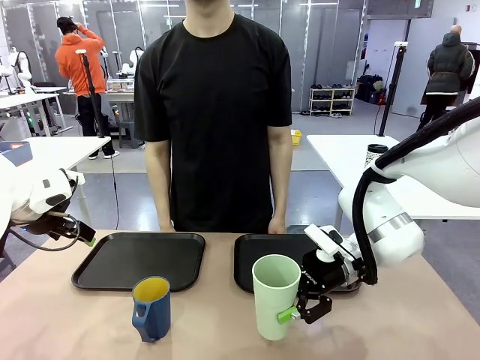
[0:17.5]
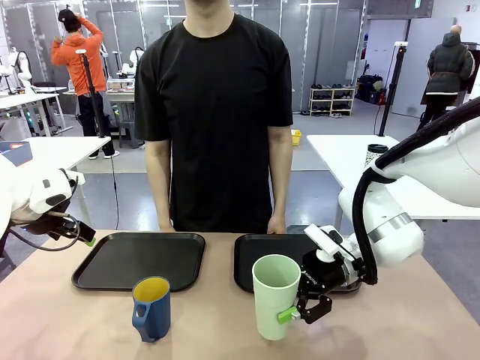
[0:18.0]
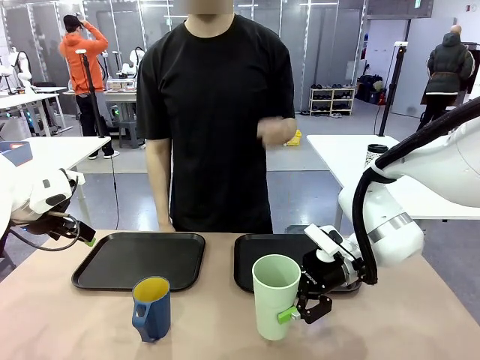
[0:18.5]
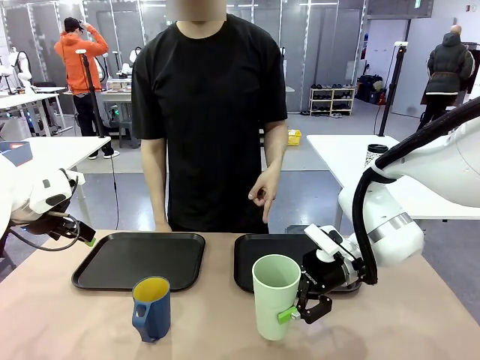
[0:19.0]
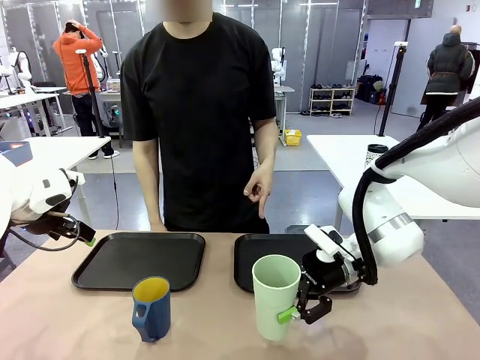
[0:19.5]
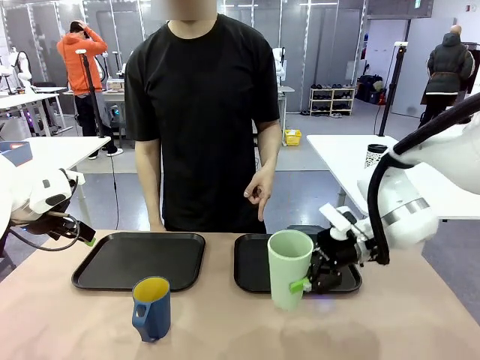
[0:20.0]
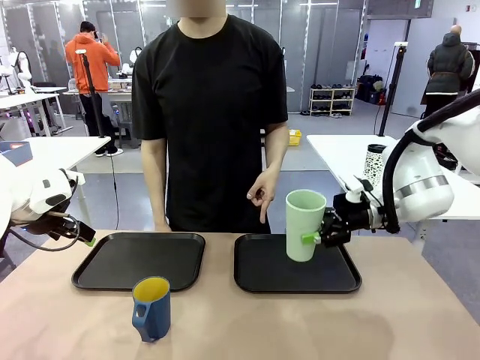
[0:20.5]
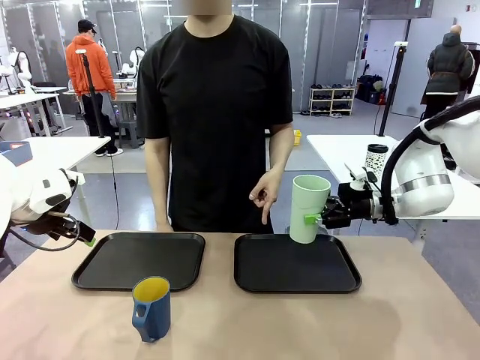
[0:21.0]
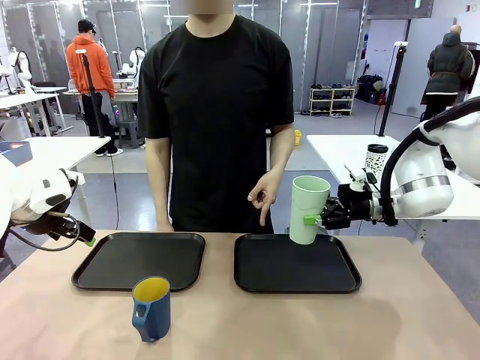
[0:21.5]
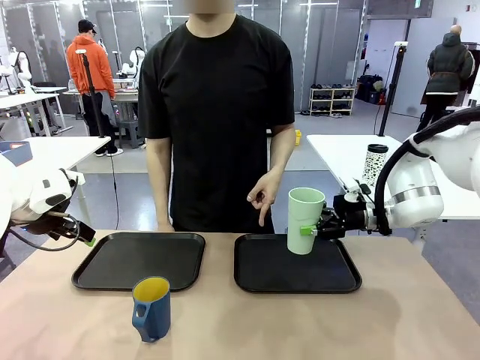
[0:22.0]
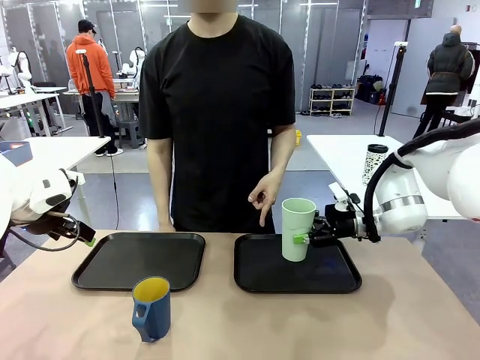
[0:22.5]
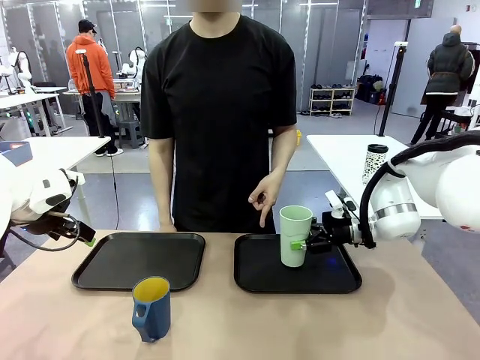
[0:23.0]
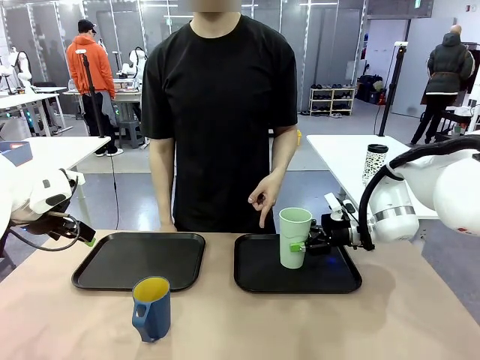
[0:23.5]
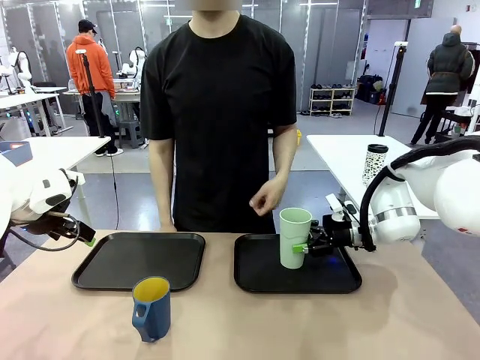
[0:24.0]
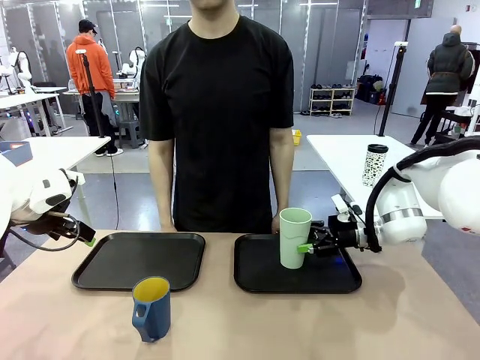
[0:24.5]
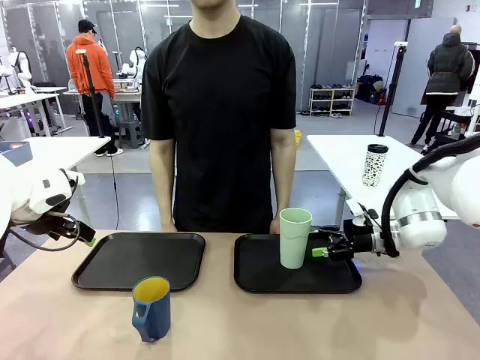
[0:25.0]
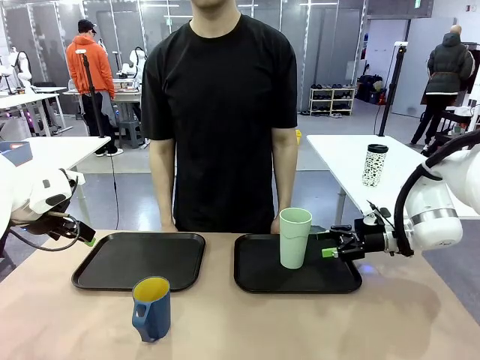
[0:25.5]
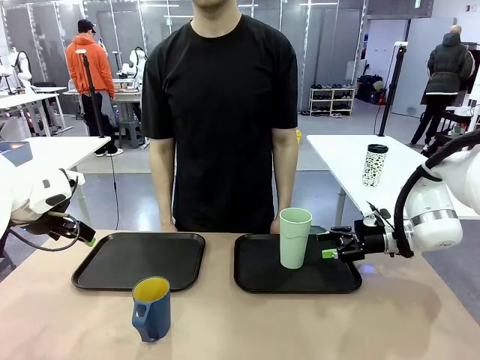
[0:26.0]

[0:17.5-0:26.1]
Task: Sort and store the cups by type.
Robot: Place the picked Reusable plastic cup into the Flat Tray indicated by the person.

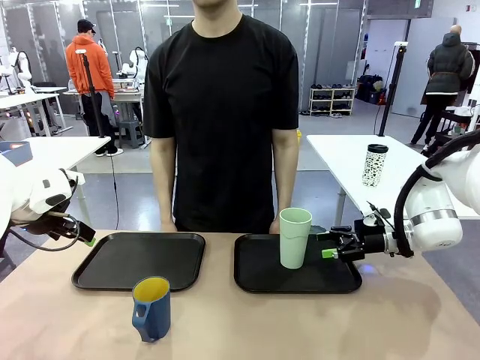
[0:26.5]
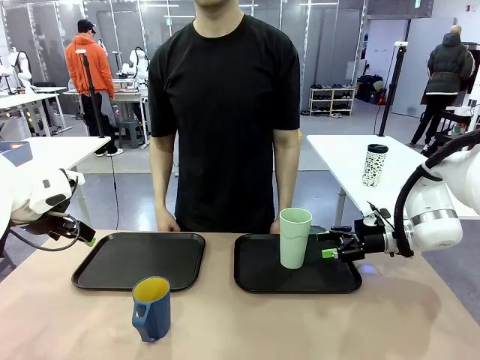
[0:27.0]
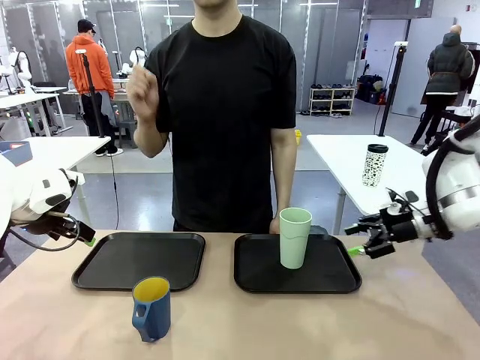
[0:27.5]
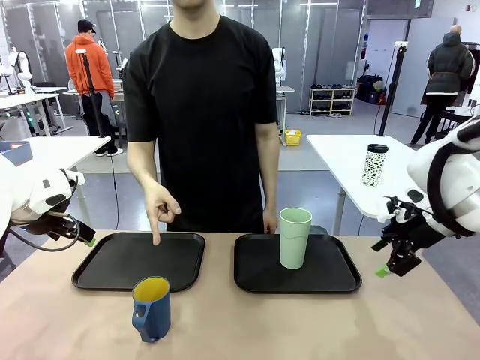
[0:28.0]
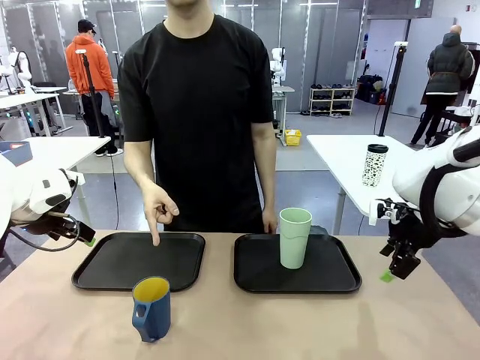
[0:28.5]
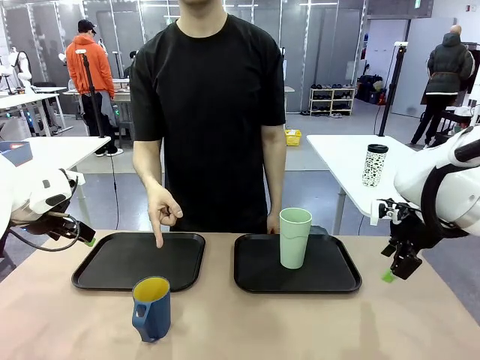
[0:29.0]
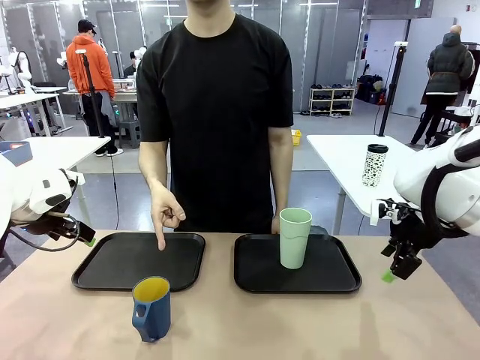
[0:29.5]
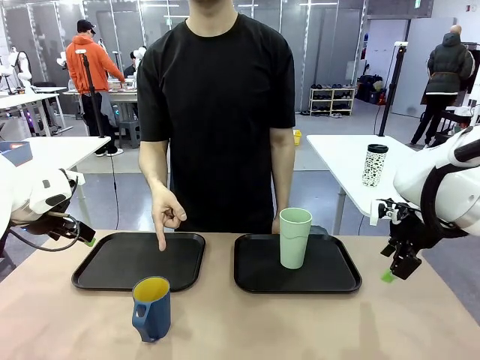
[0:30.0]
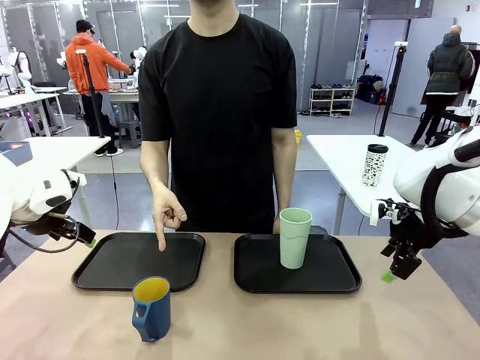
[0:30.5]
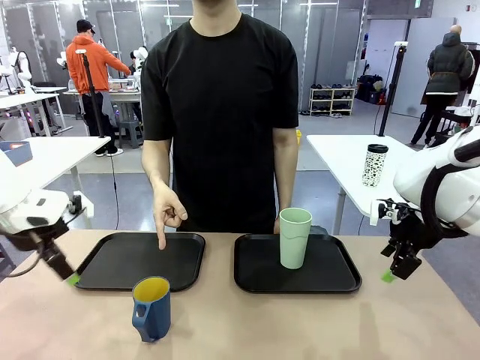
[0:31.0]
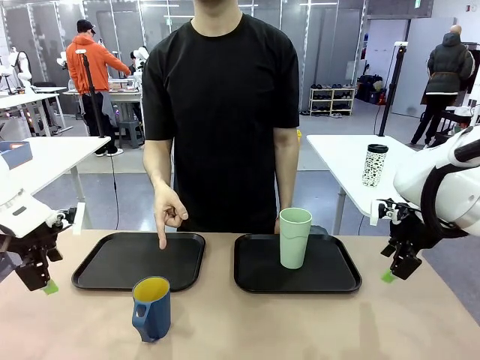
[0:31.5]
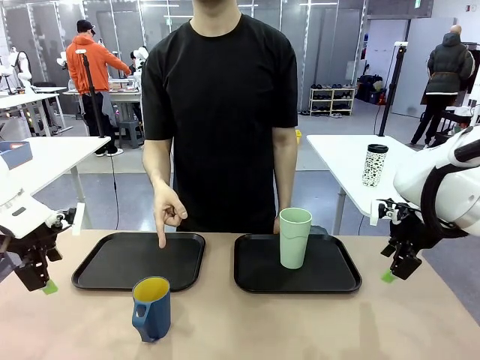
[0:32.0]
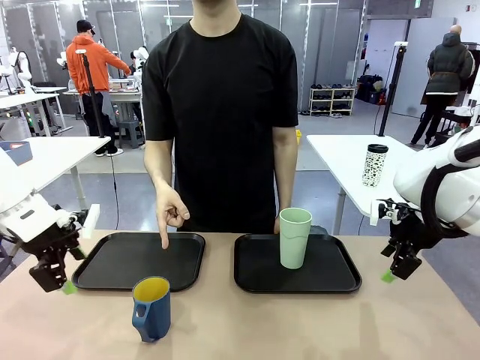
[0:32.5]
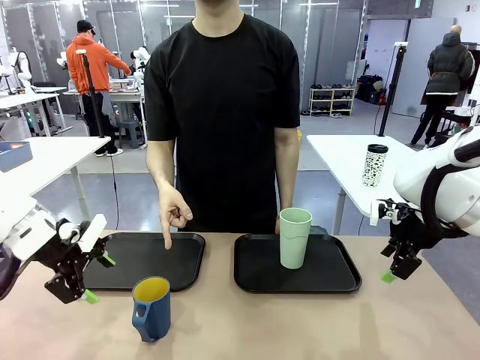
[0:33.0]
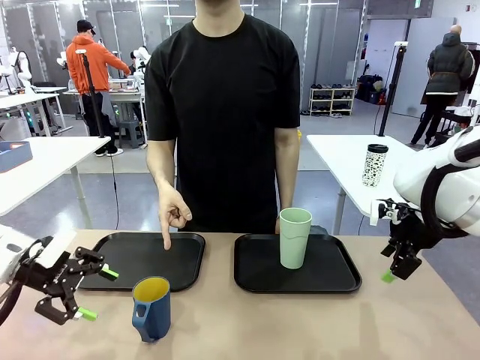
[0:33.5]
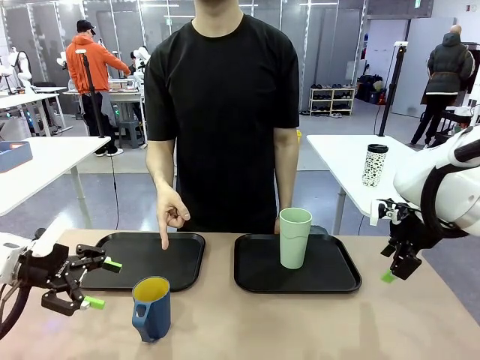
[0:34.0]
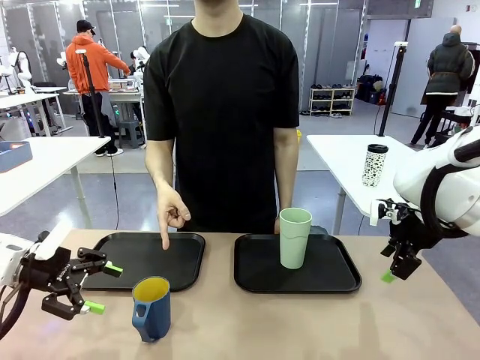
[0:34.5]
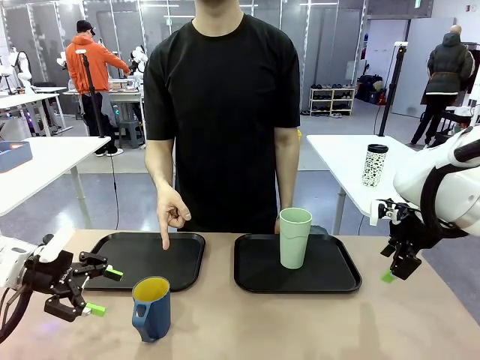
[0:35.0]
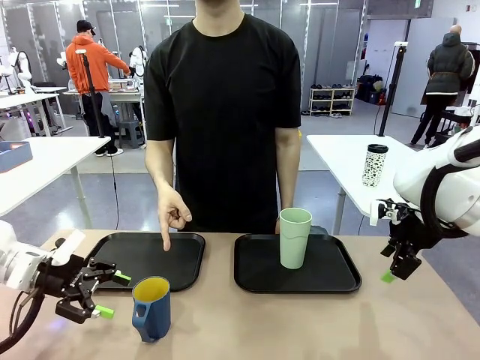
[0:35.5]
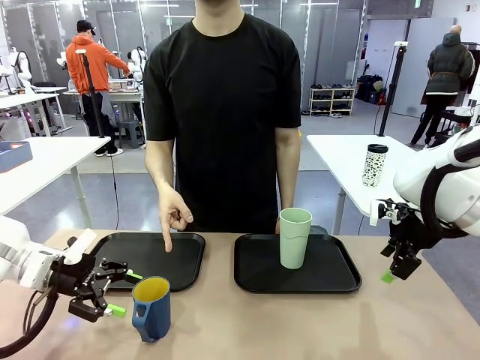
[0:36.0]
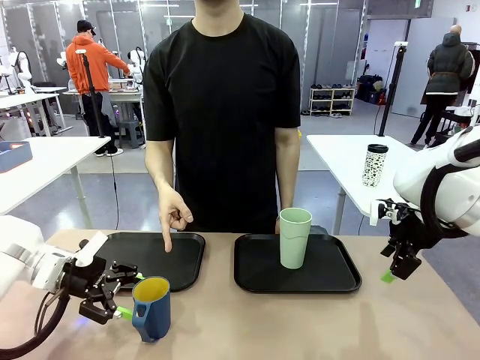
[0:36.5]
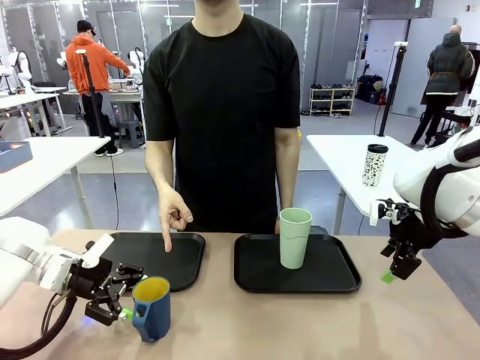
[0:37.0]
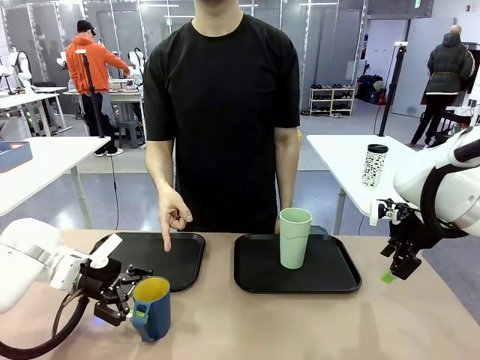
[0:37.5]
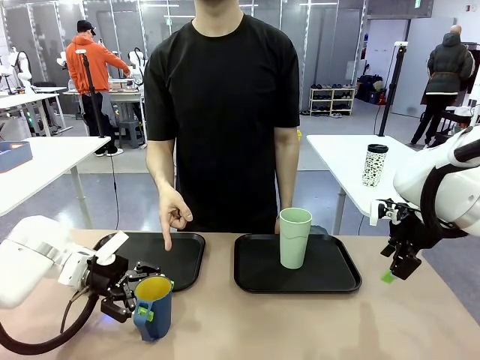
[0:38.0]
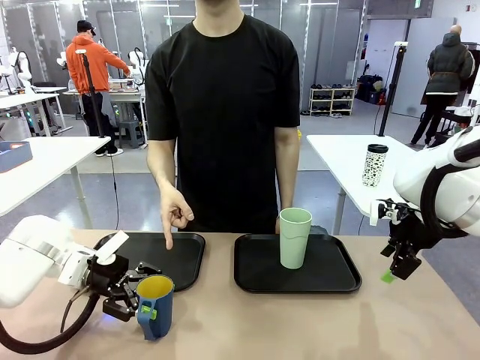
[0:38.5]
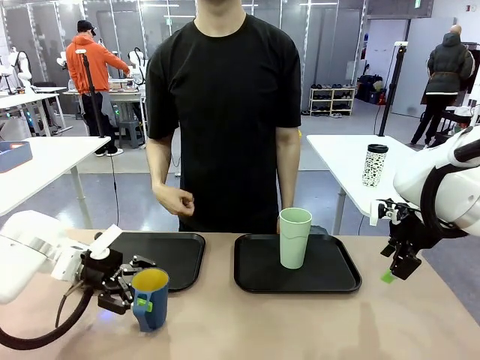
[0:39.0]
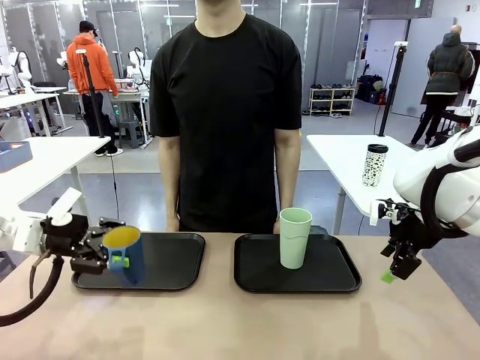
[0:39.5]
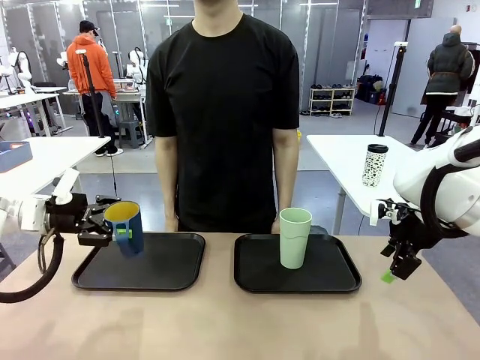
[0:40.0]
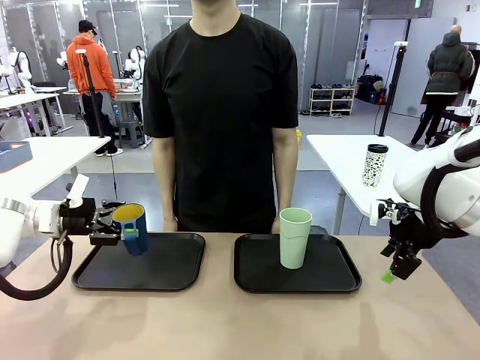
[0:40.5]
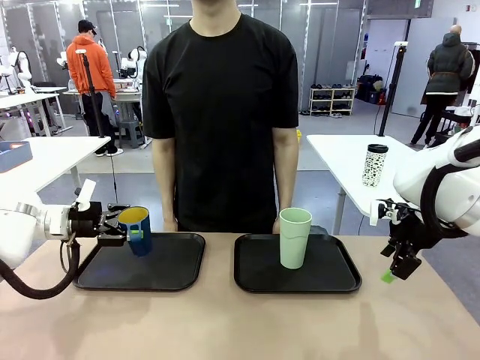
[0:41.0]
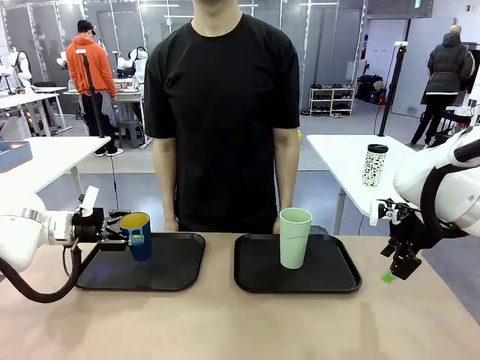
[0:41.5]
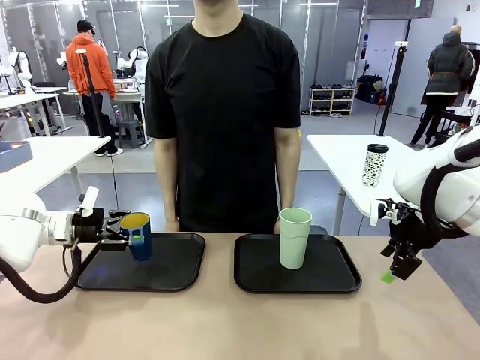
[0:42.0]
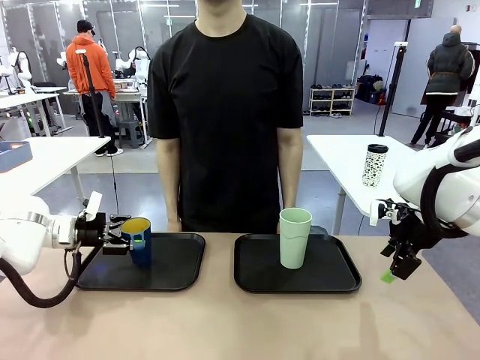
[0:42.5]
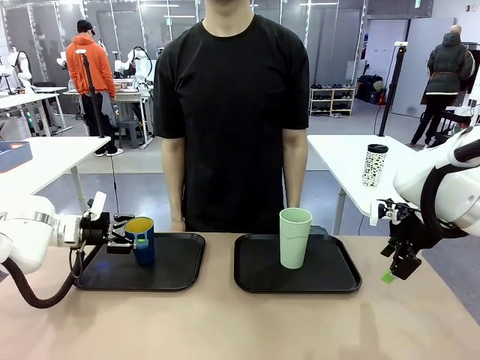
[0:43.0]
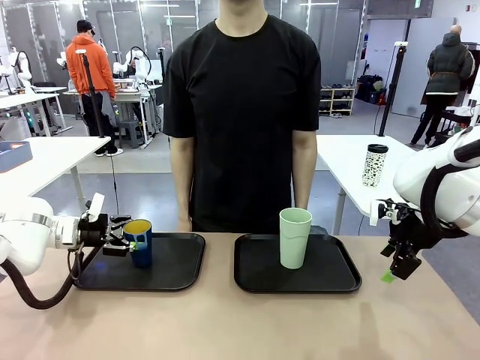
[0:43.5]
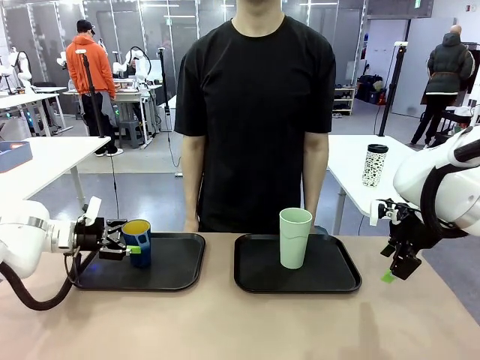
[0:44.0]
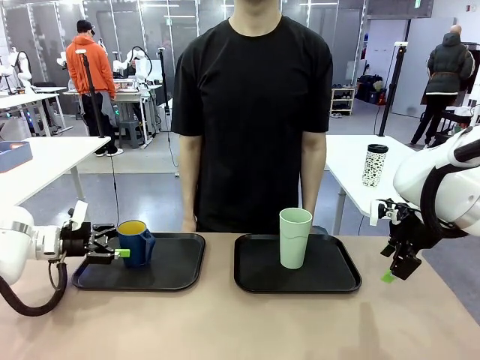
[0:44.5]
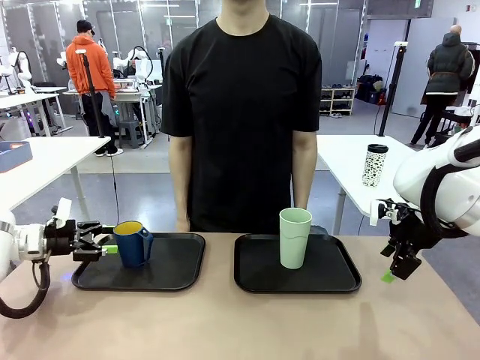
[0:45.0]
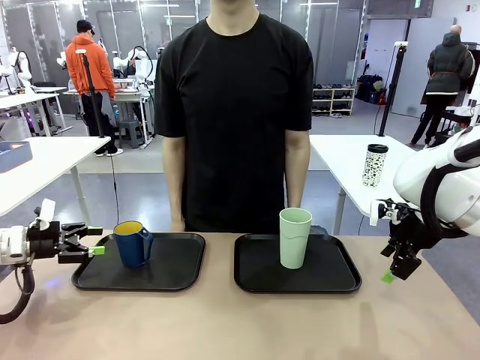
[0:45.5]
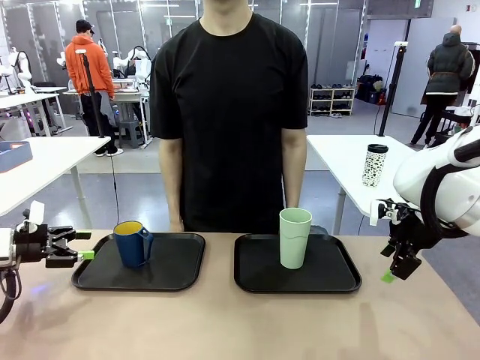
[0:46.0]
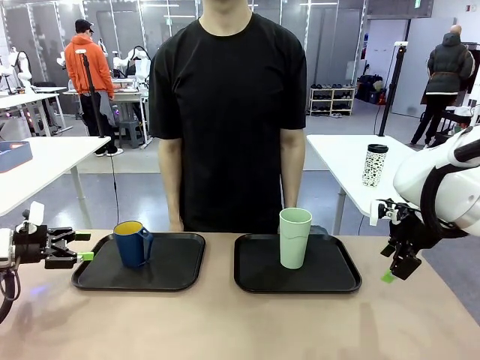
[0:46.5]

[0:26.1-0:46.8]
Robot: Pick up the Handle plastic cup and place it into the empty Flat Tray.
Person: Points to the cup with a handle.
